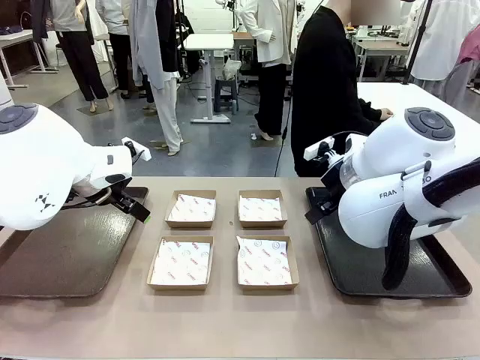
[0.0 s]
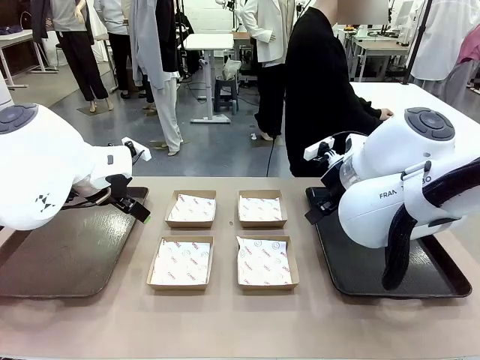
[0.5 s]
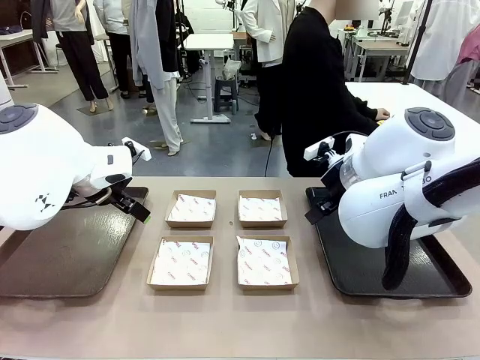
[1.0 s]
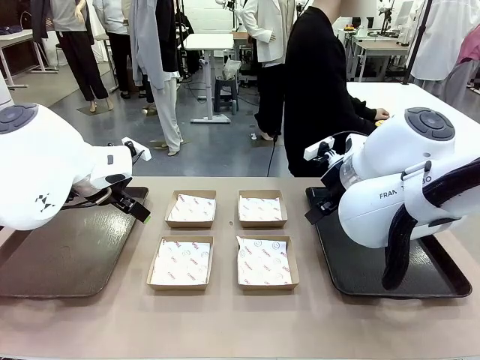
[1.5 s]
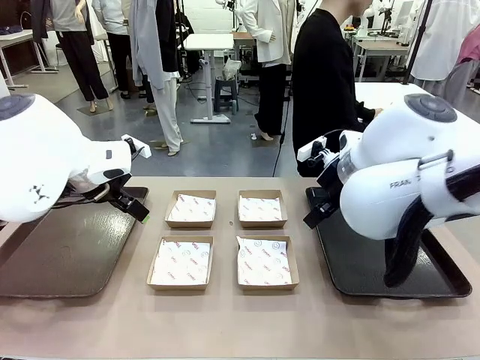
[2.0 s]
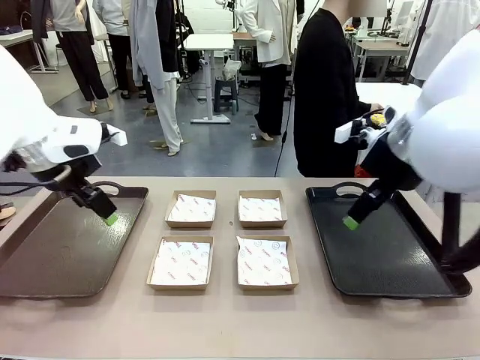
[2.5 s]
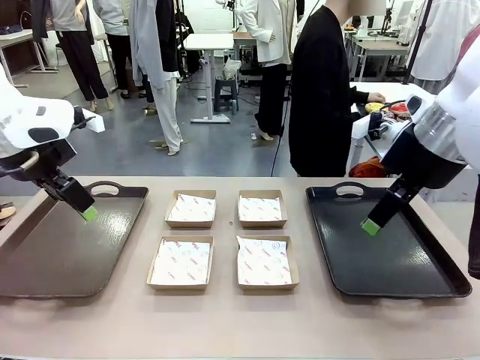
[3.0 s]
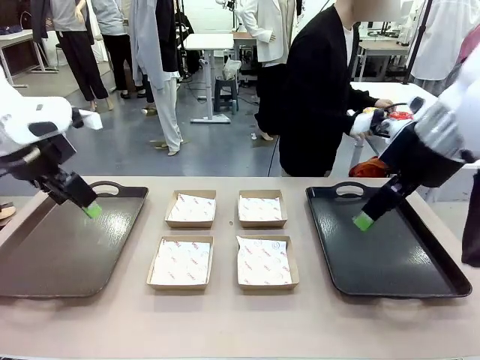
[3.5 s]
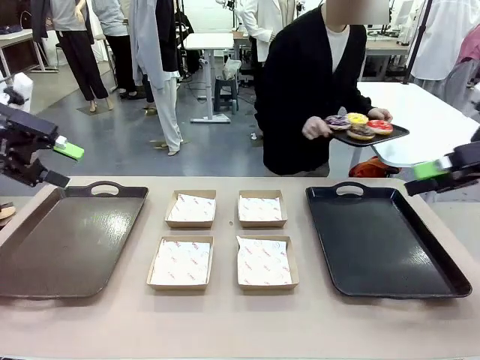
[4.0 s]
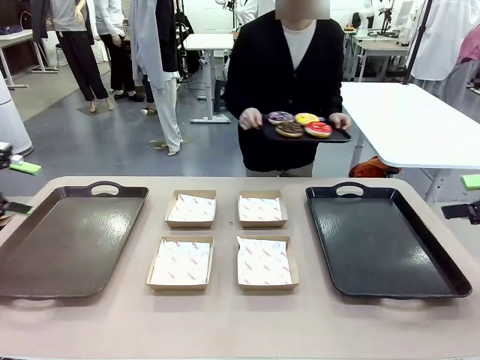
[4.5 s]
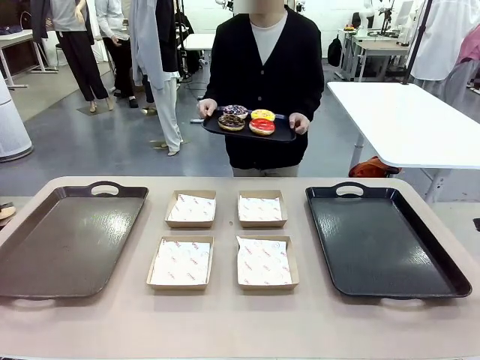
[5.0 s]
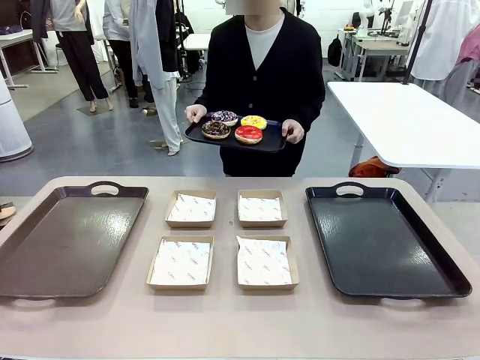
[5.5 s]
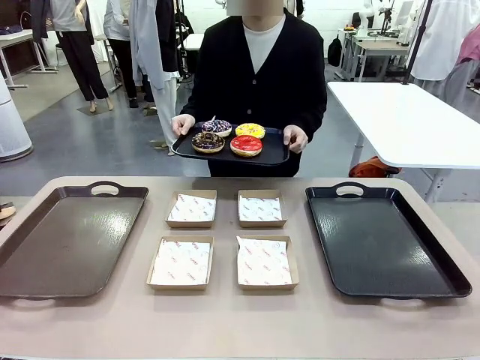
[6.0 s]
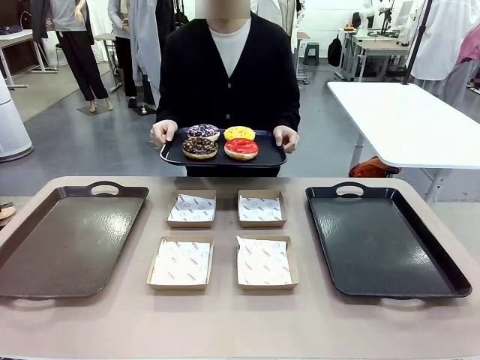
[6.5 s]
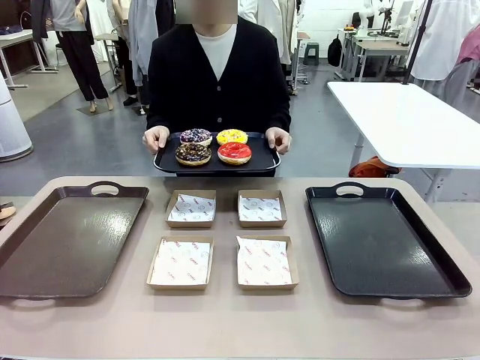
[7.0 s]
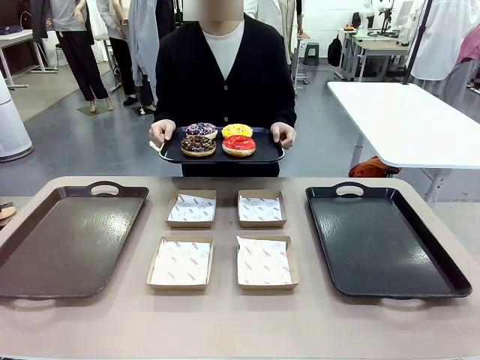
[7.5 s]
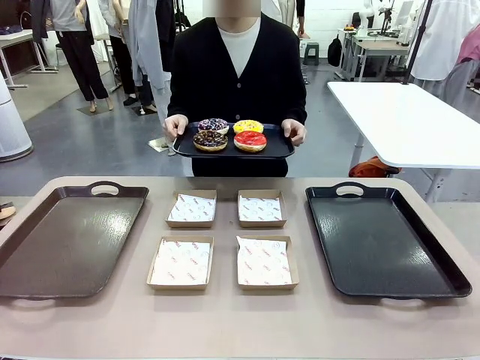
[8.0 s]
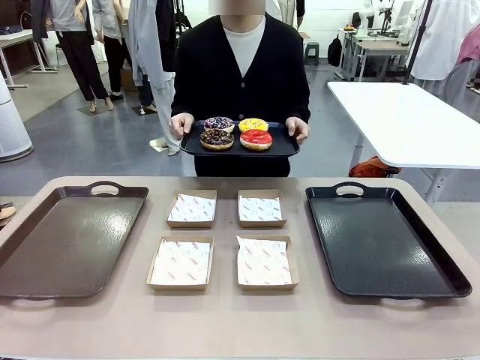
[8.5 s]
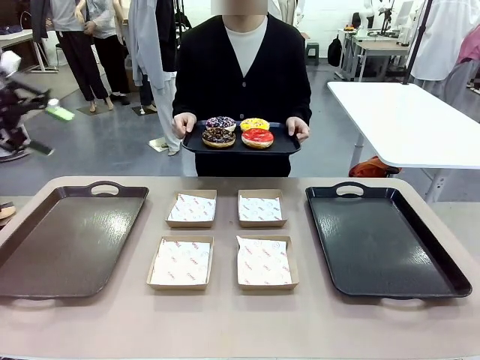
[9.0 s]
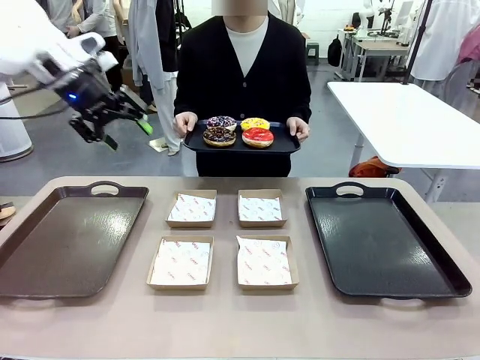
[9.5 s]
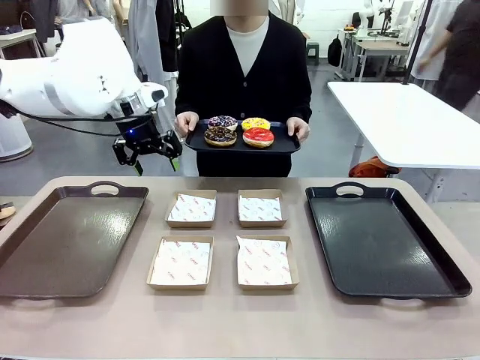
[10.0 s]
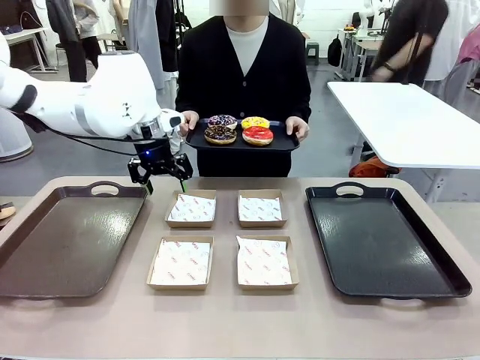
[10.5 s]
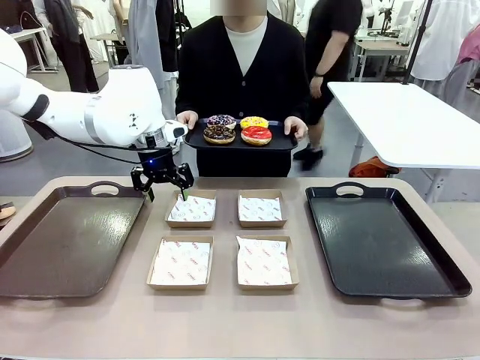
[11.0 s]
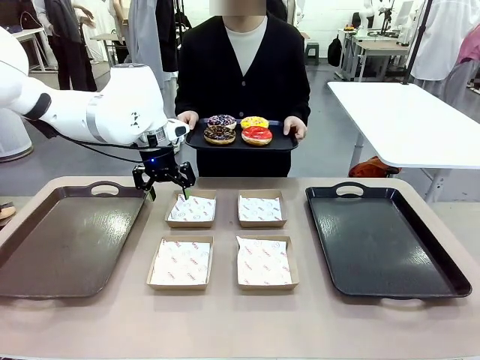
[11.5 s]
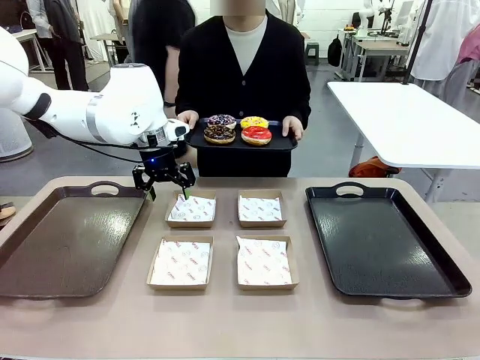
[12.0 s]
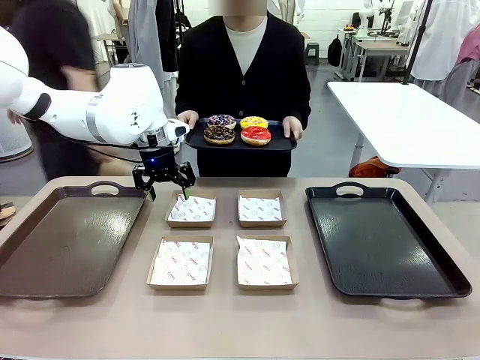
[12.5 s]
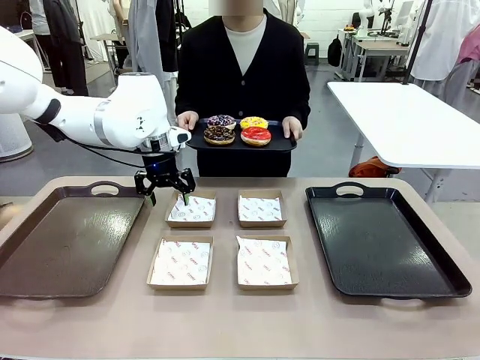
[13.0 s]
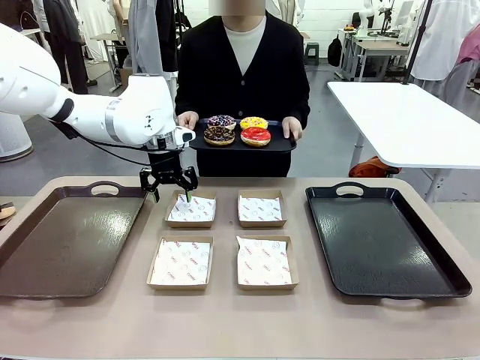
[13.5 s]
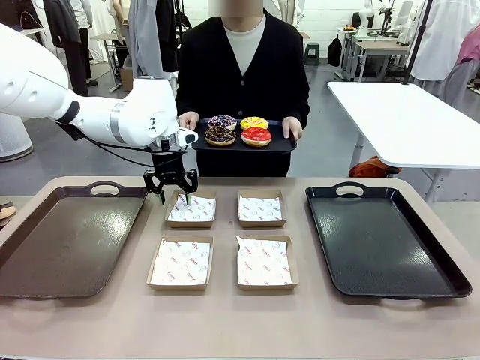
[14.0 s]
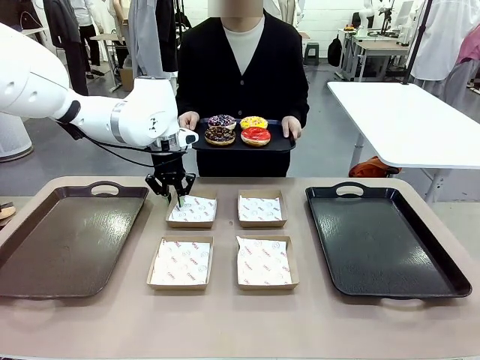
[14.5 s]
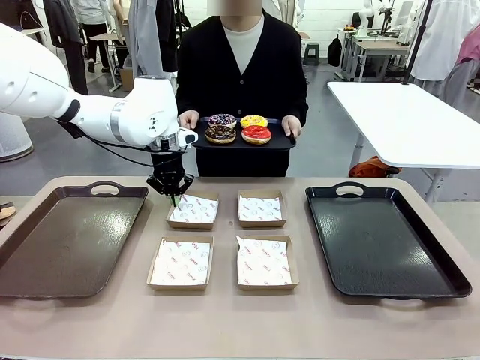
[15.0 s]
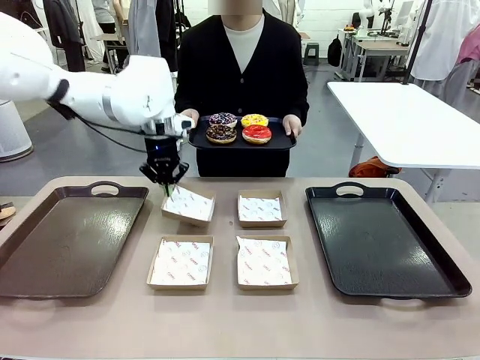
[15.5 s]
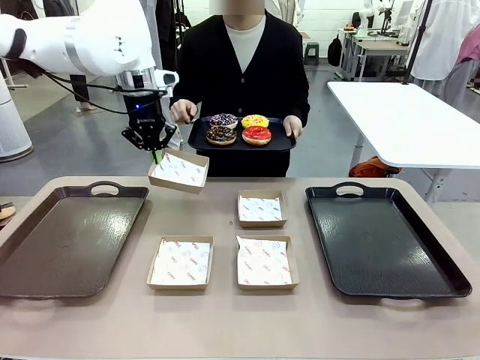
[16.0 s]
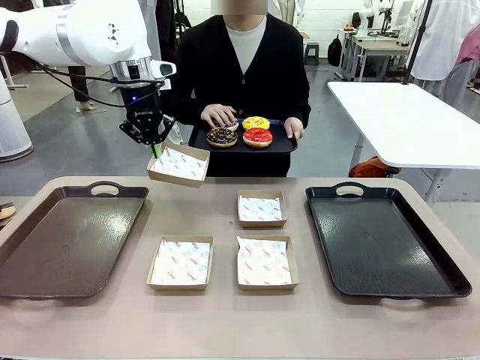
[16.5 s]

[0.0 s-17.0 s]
Task: Individually package the donuts and arrange them on the tray.
Robot: Pick up one Paper togo box.
Person: Stand in front of the robot table holding the tray containing the donuts.
